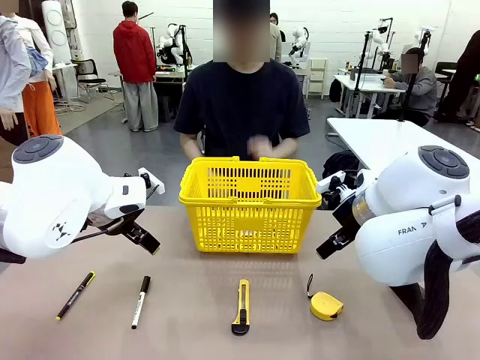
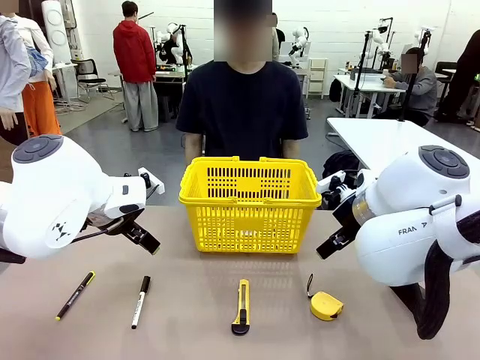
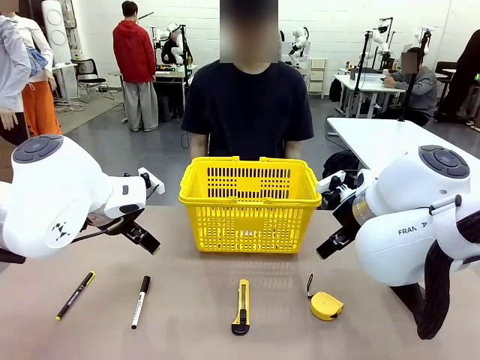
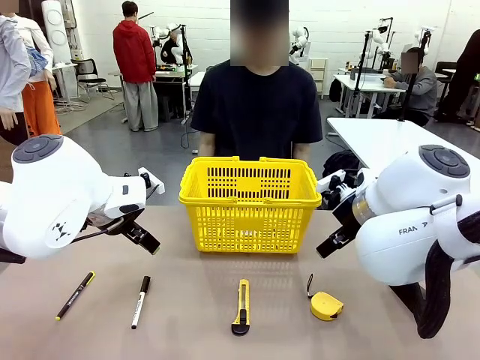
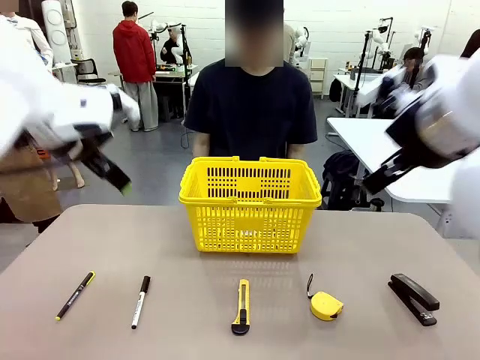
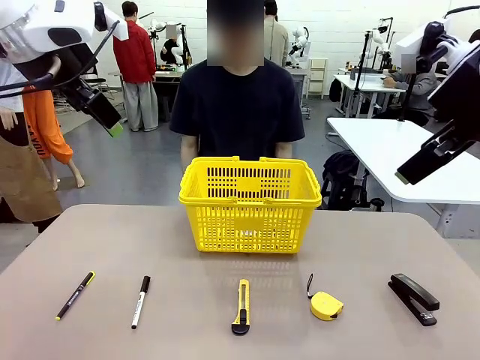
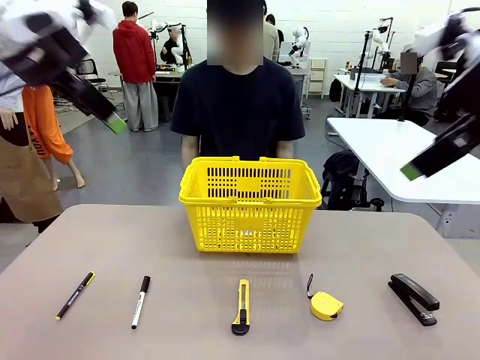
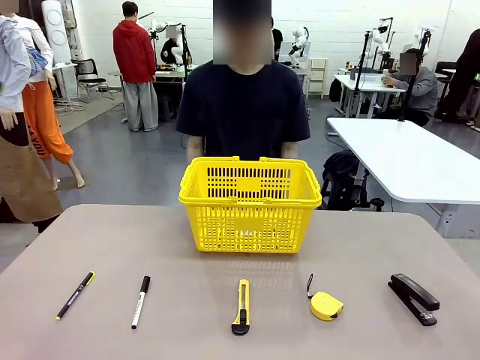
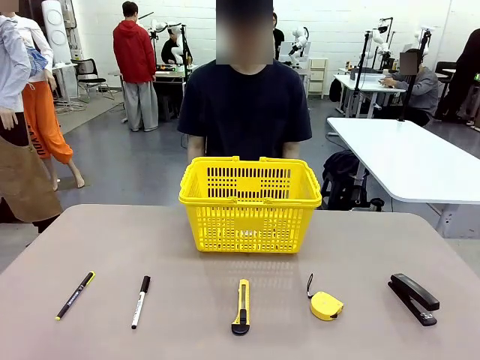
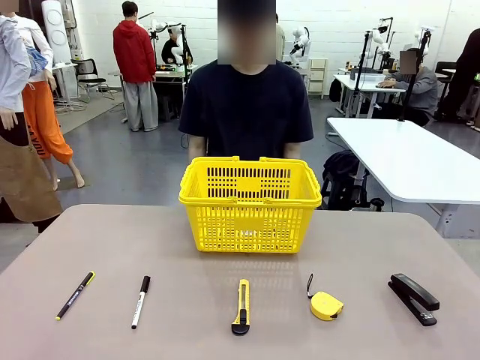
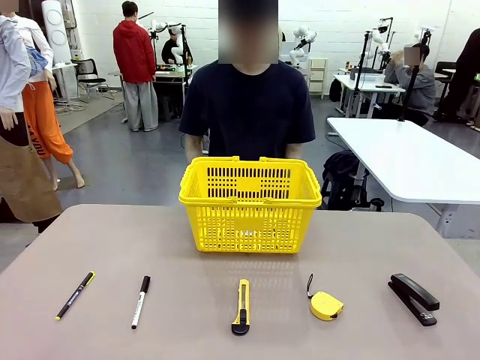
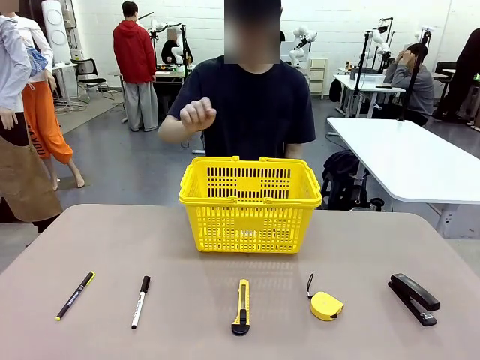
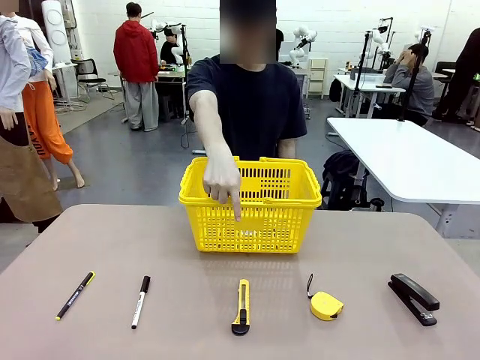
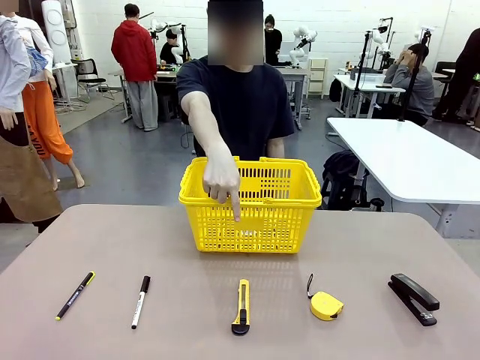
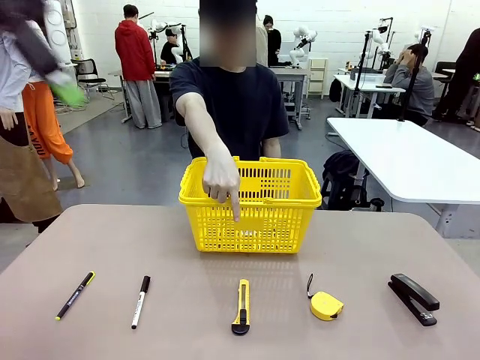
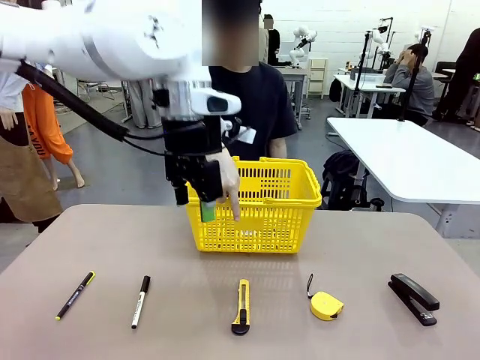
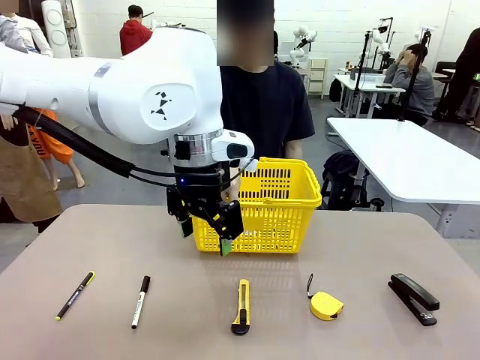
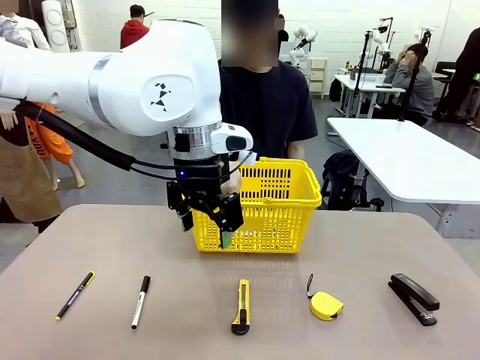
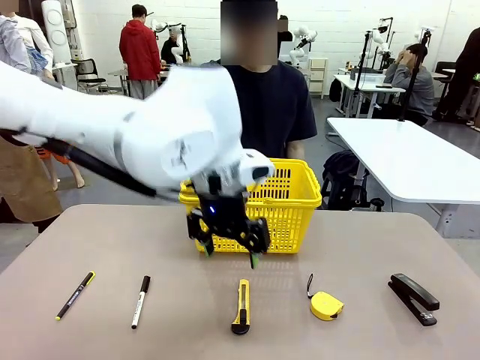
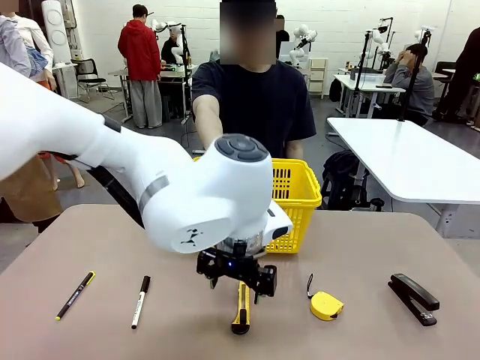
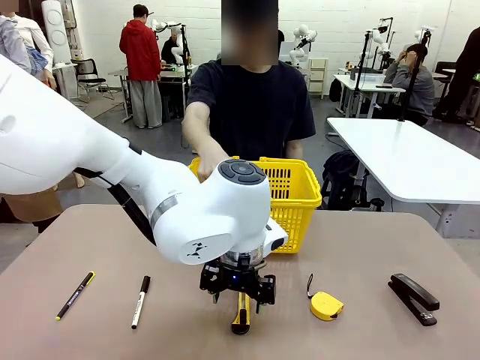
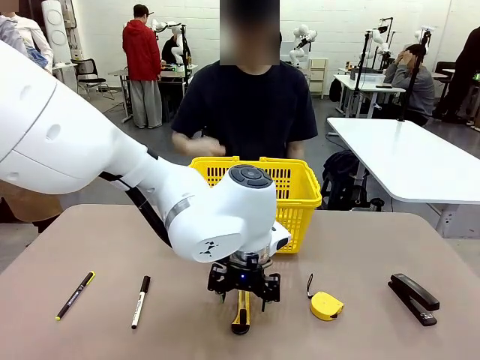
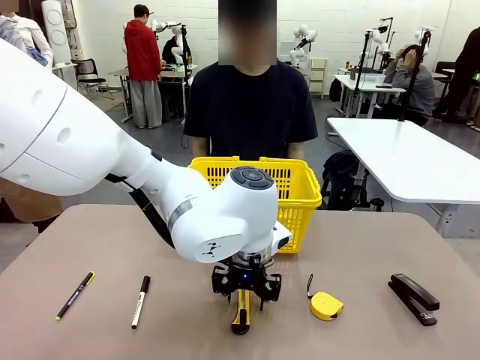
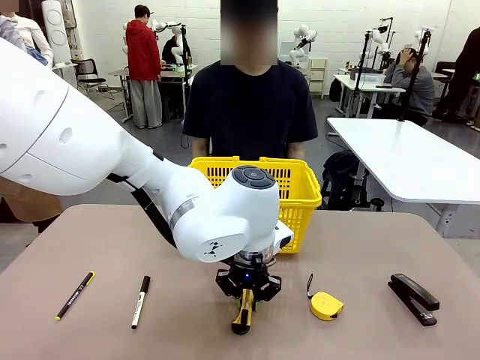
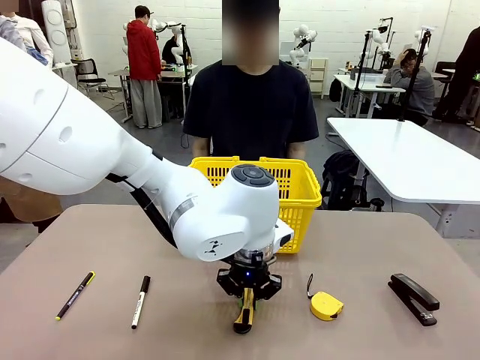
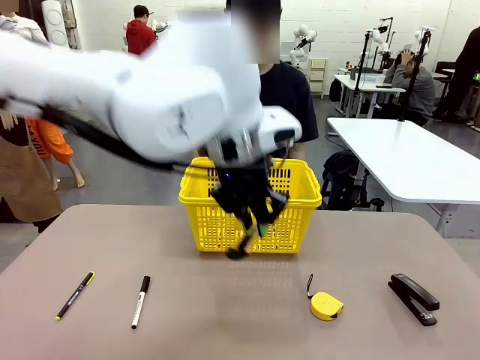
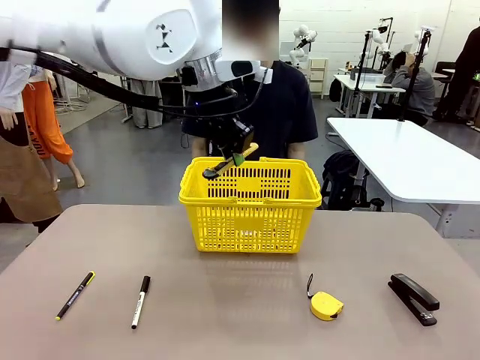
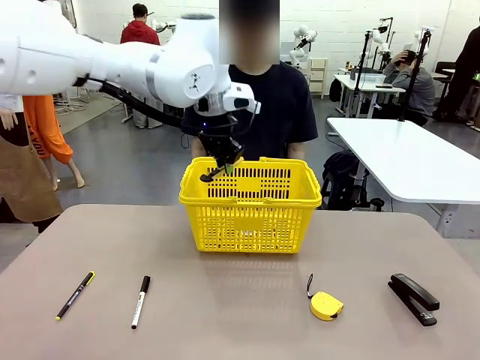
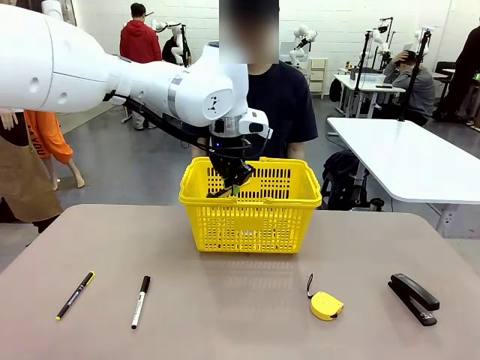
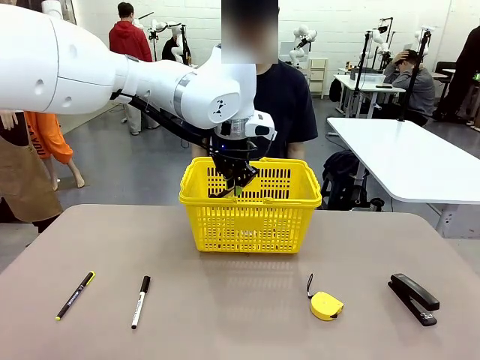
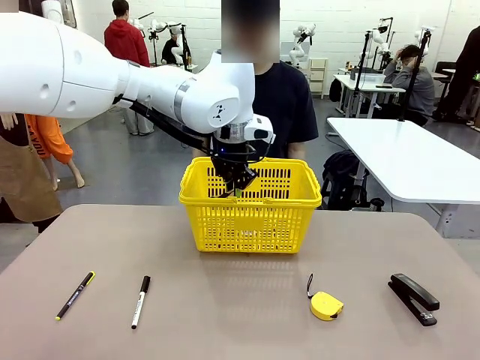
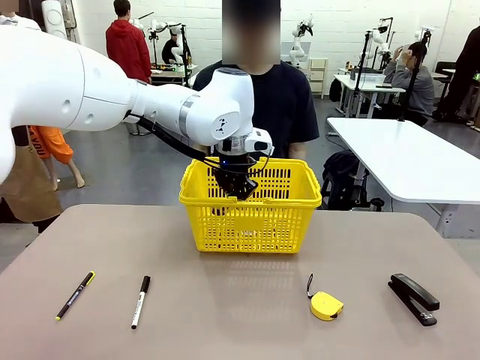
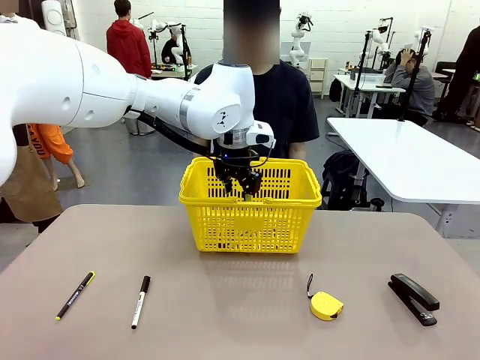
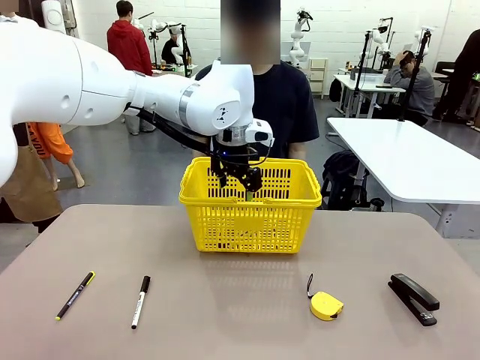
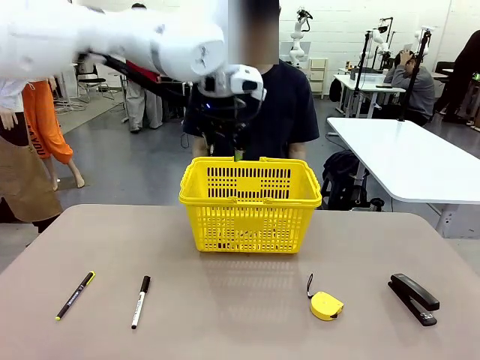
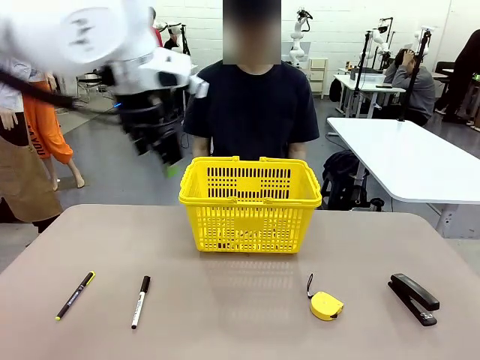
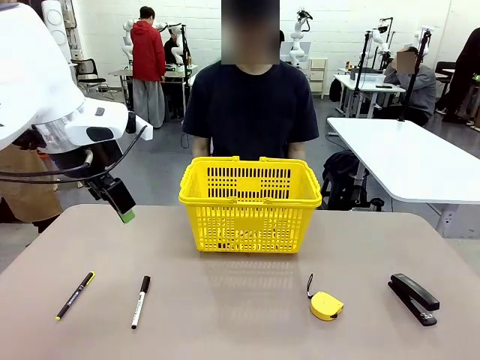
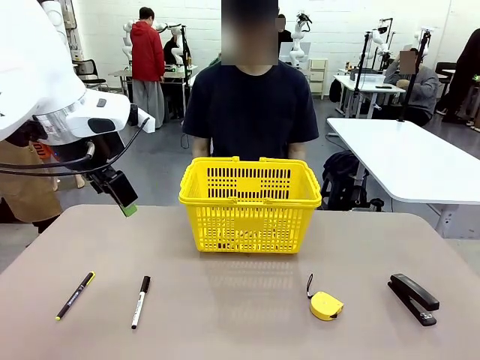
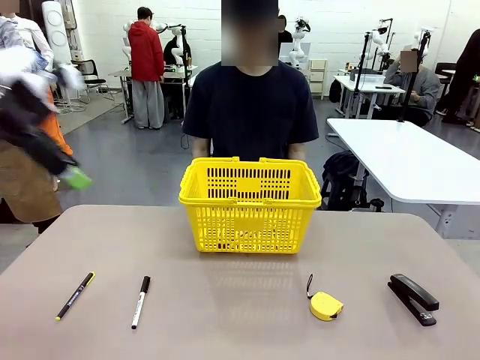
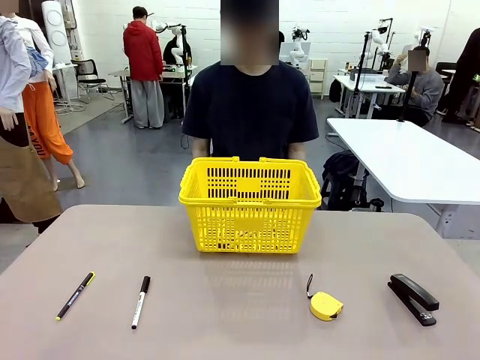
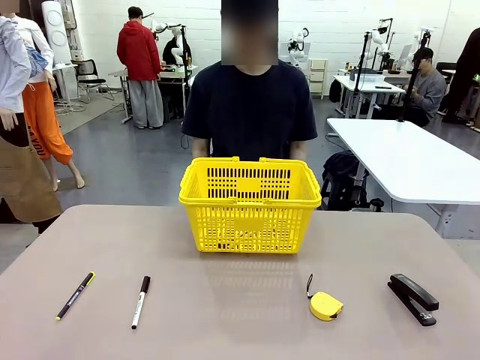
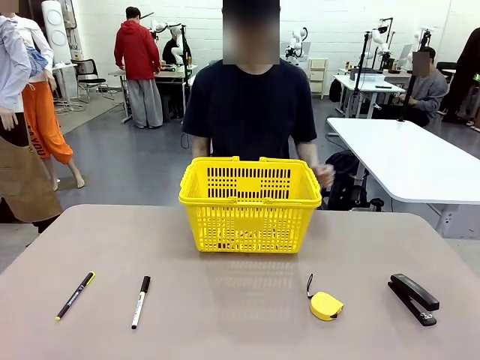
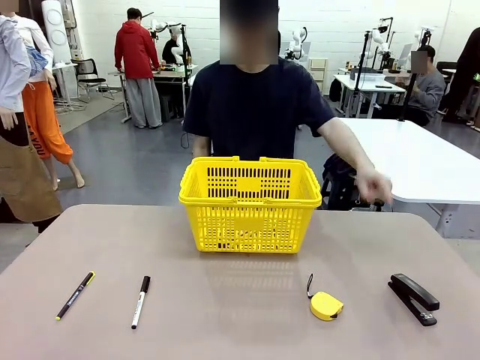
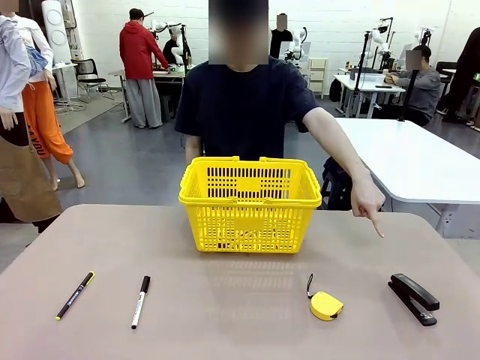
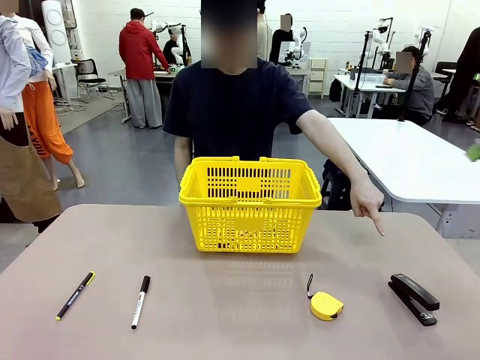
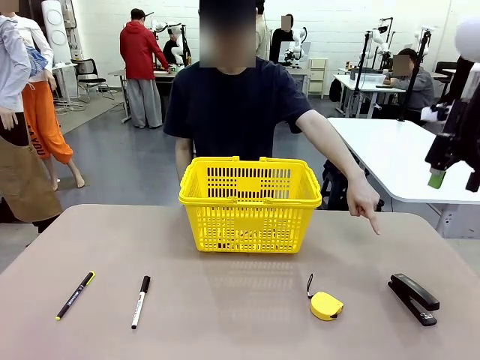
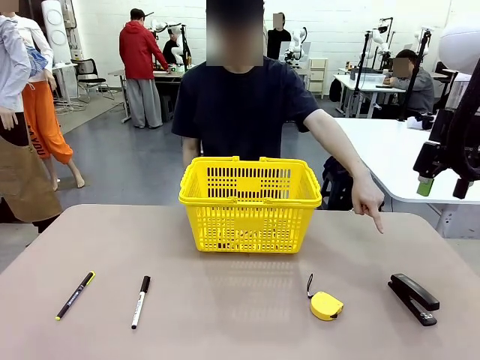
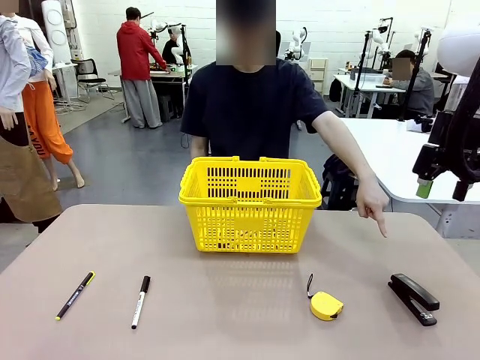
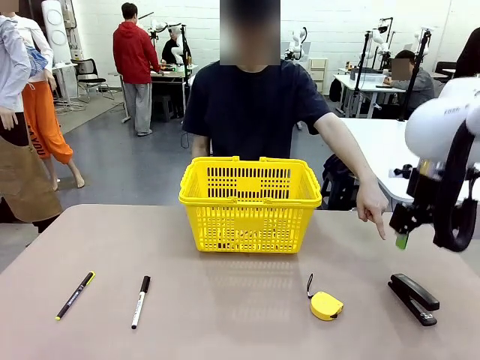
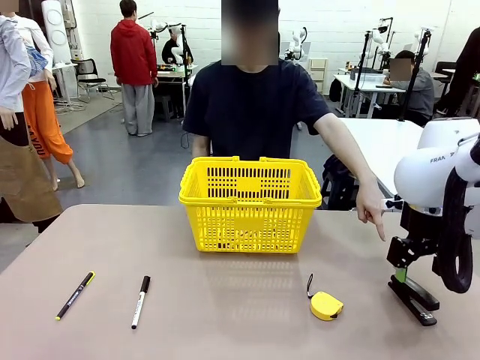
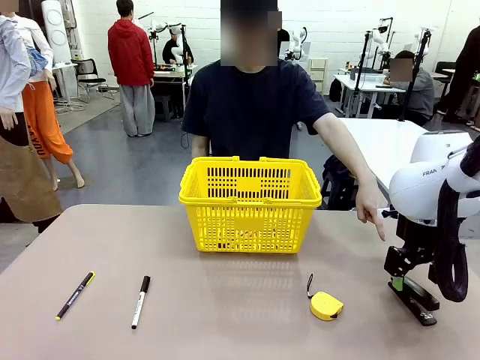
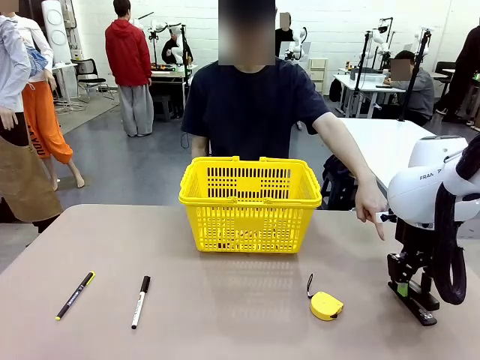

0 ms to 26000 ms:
Task: Place the items the person wants into the basket.
Robot: Pick up the item the person points to and place it in the Market Basket.
